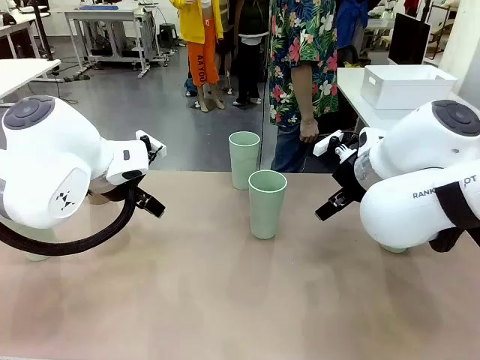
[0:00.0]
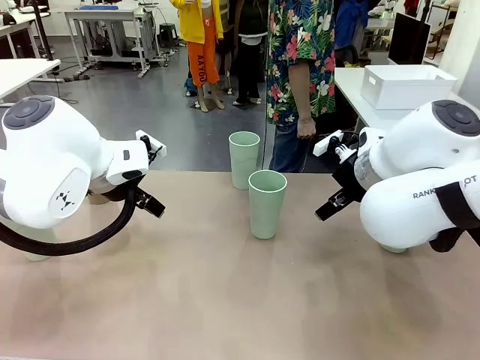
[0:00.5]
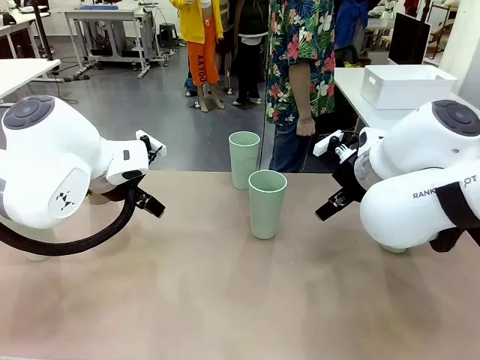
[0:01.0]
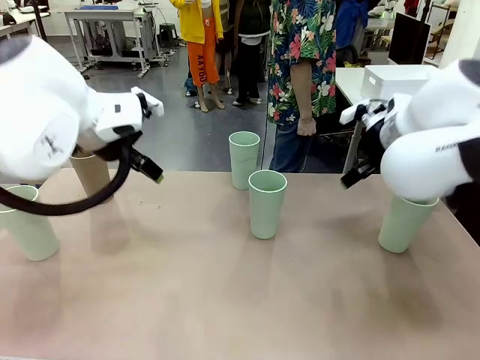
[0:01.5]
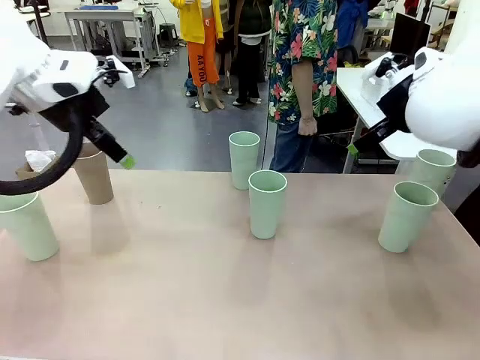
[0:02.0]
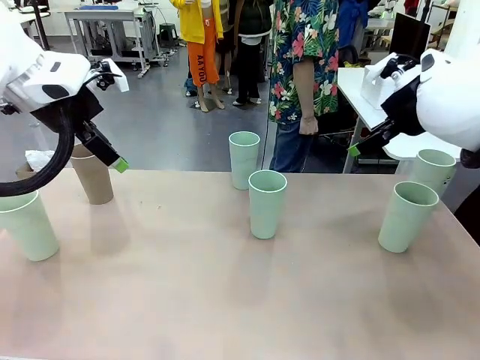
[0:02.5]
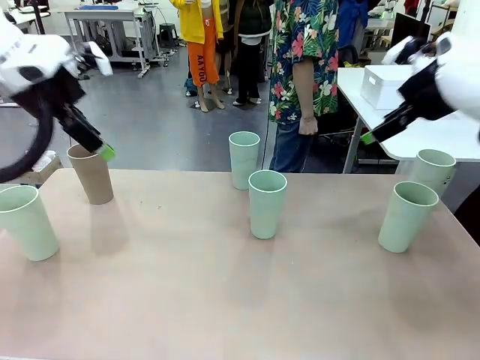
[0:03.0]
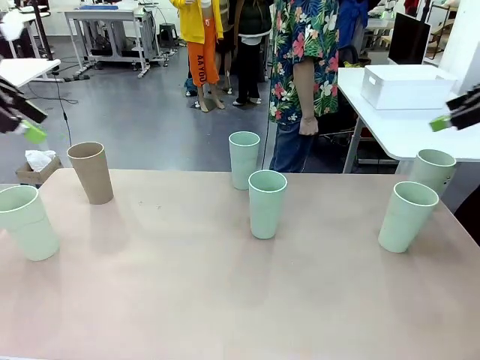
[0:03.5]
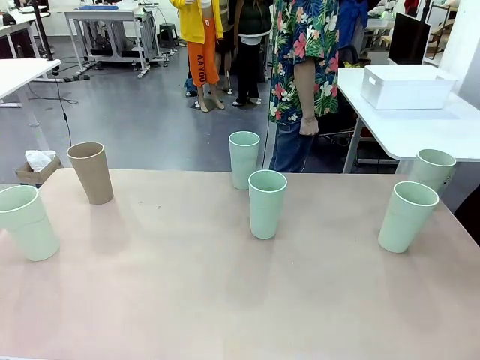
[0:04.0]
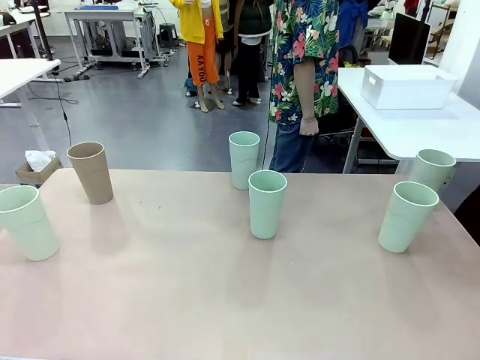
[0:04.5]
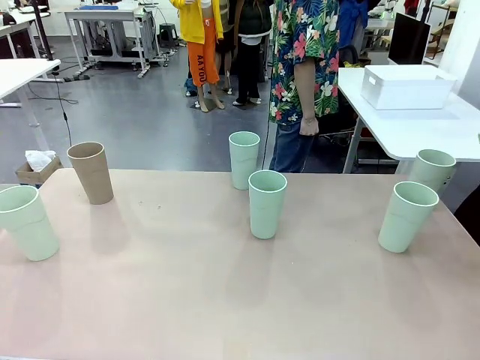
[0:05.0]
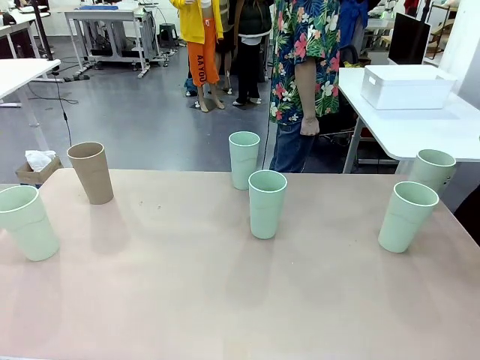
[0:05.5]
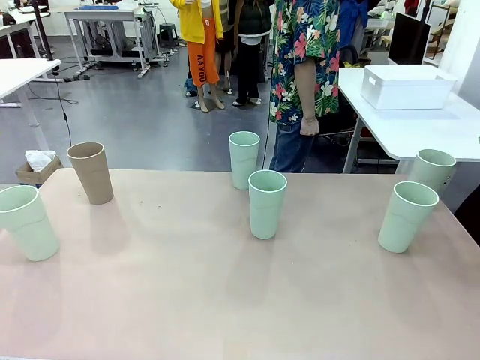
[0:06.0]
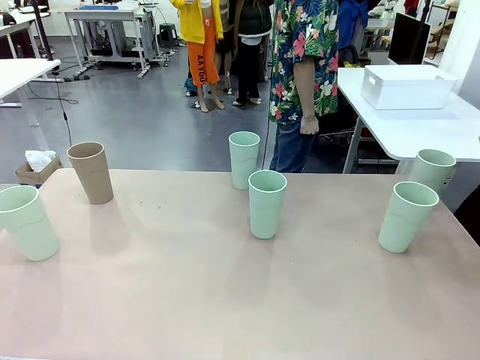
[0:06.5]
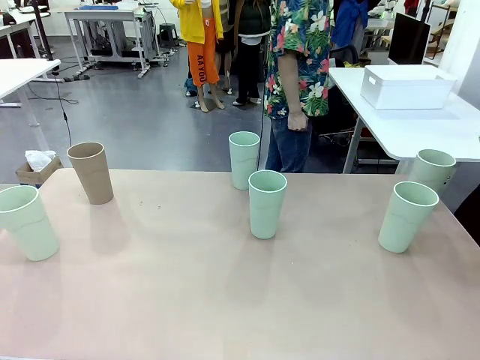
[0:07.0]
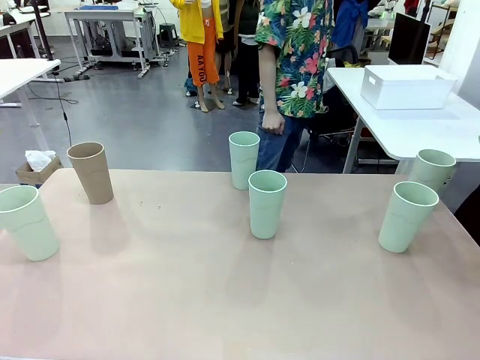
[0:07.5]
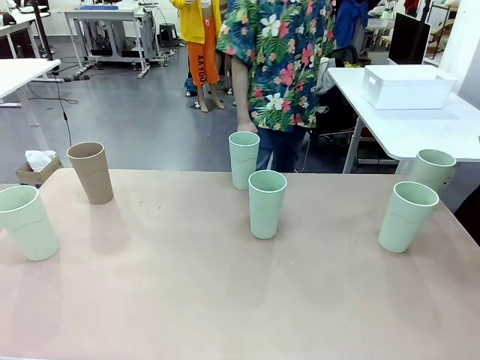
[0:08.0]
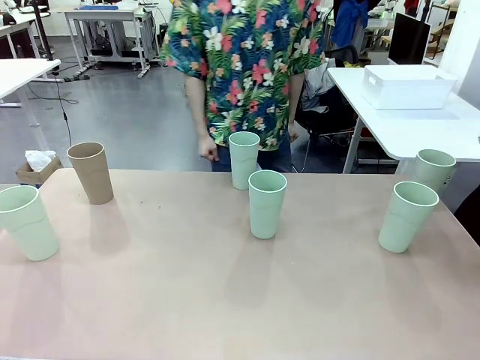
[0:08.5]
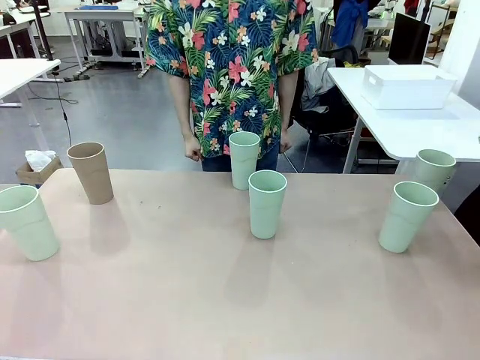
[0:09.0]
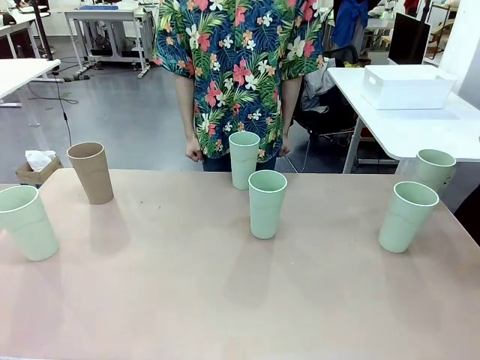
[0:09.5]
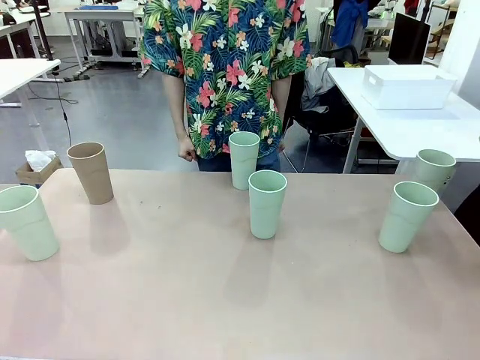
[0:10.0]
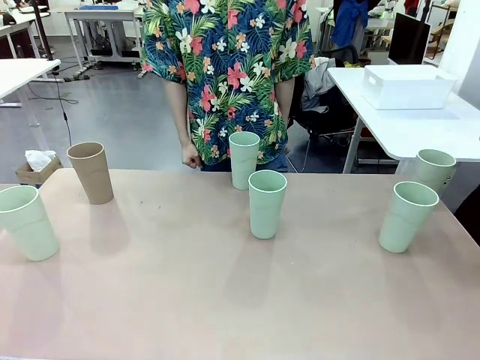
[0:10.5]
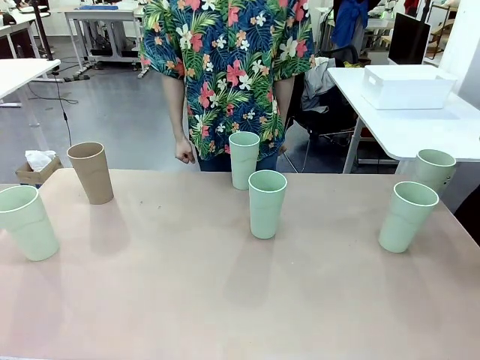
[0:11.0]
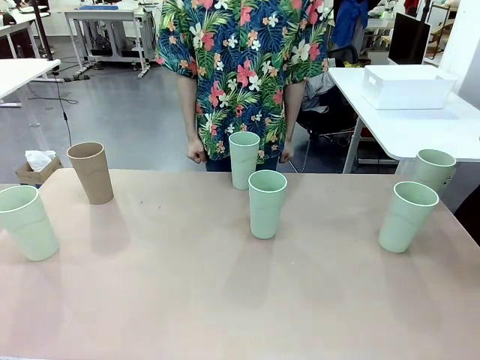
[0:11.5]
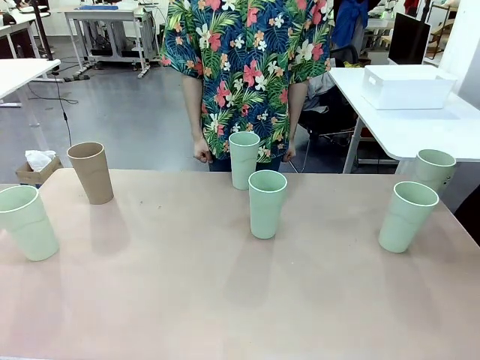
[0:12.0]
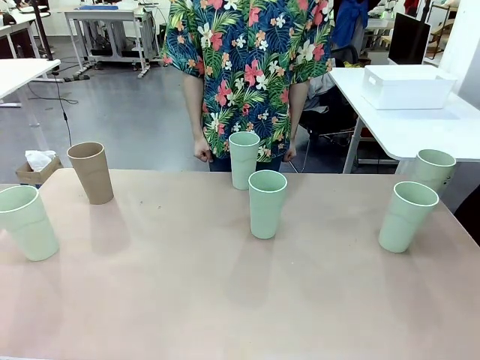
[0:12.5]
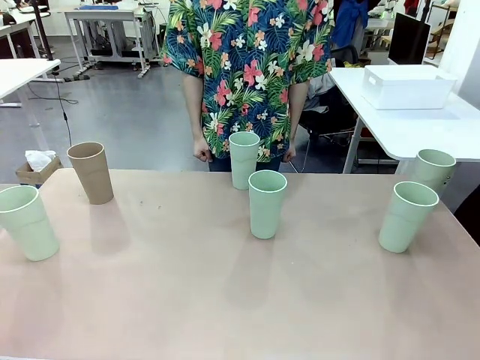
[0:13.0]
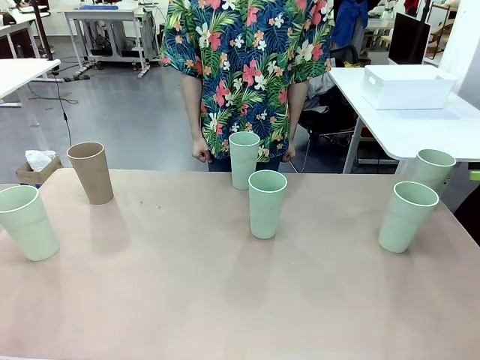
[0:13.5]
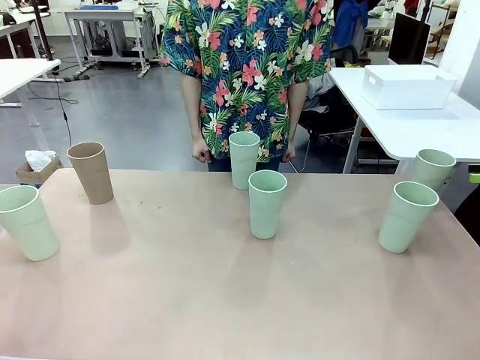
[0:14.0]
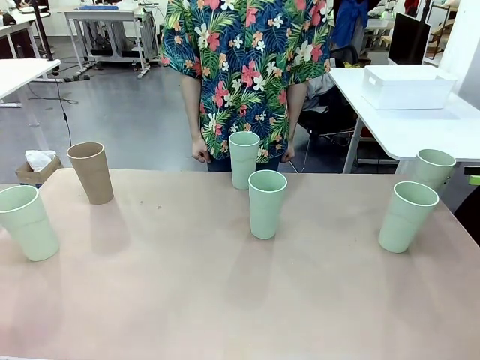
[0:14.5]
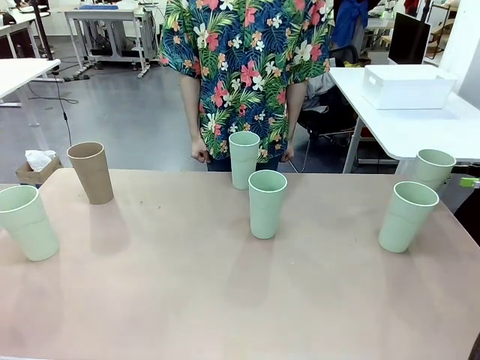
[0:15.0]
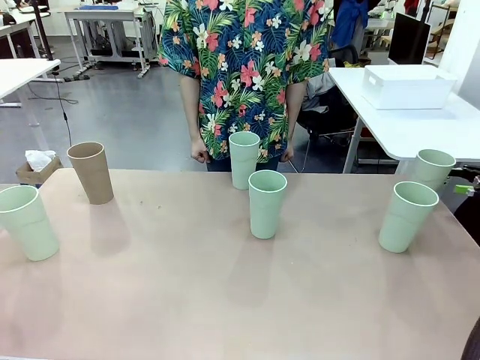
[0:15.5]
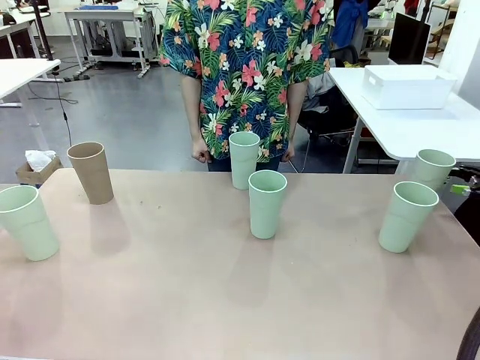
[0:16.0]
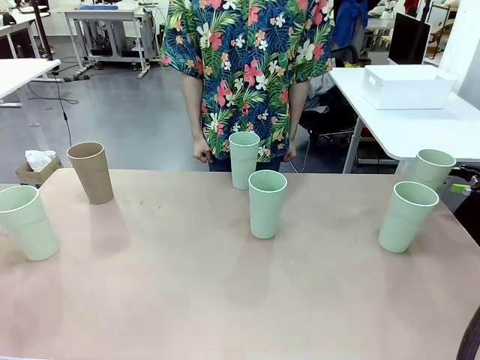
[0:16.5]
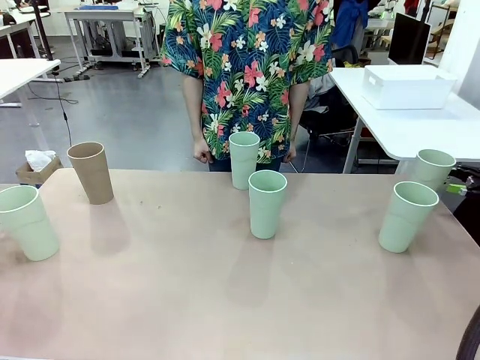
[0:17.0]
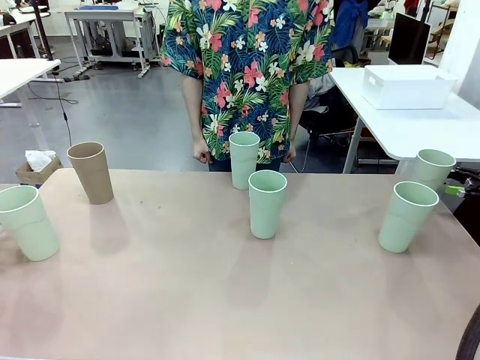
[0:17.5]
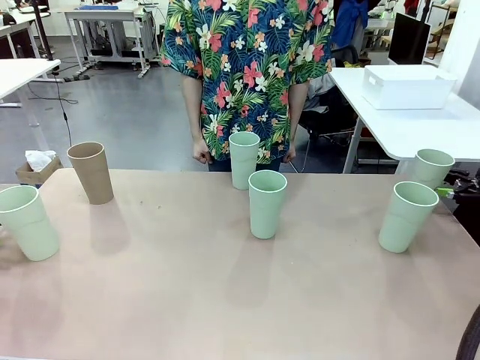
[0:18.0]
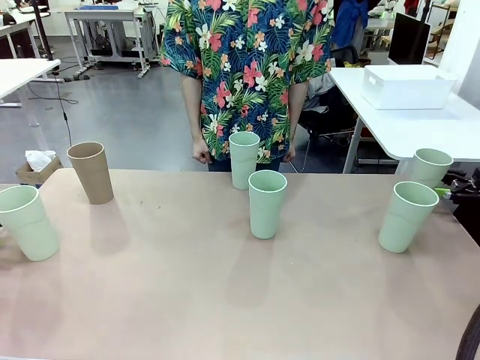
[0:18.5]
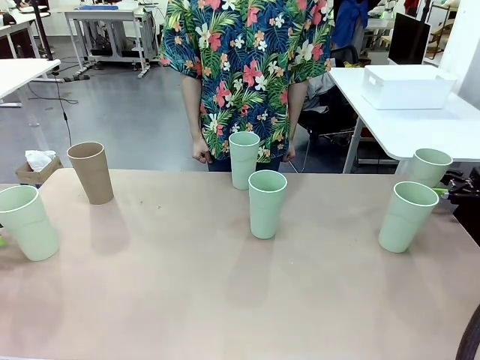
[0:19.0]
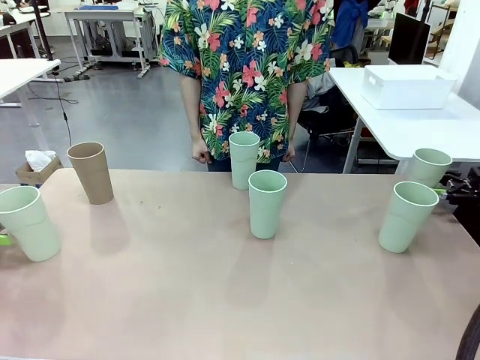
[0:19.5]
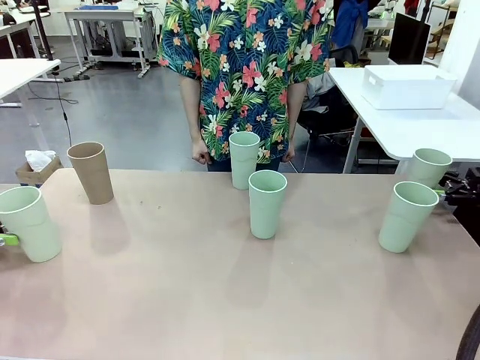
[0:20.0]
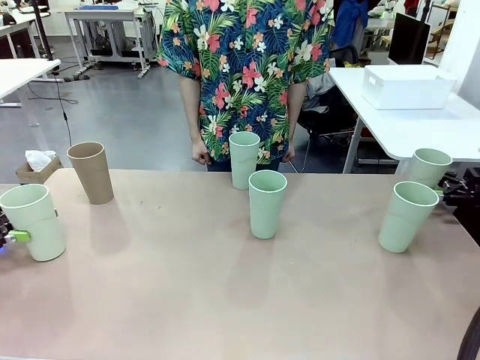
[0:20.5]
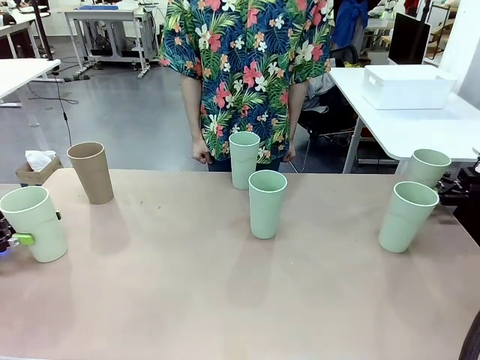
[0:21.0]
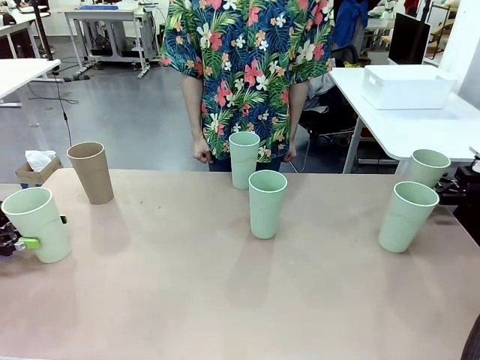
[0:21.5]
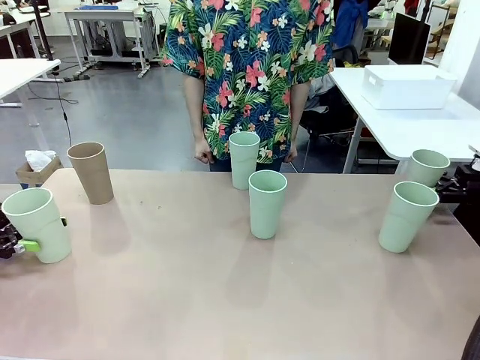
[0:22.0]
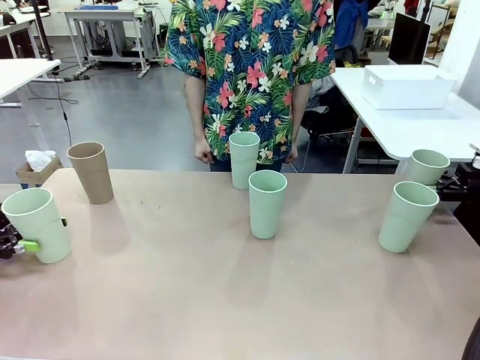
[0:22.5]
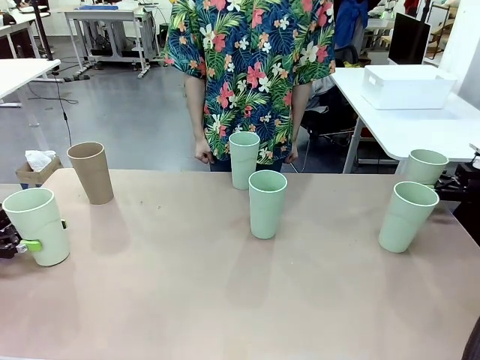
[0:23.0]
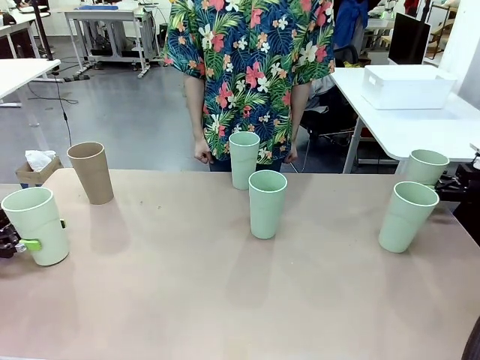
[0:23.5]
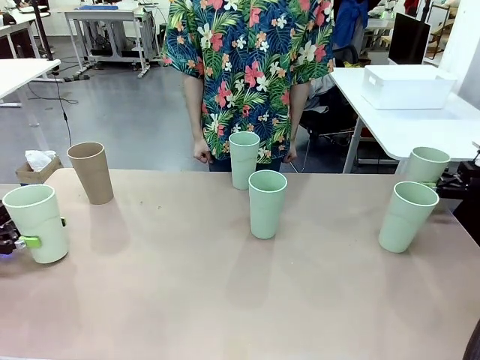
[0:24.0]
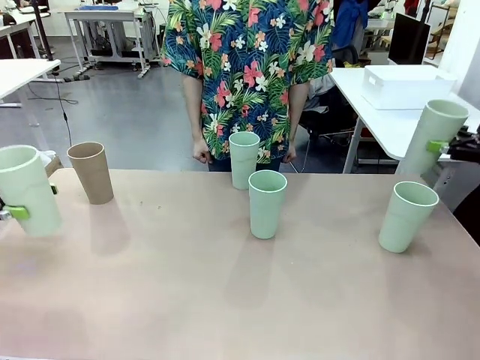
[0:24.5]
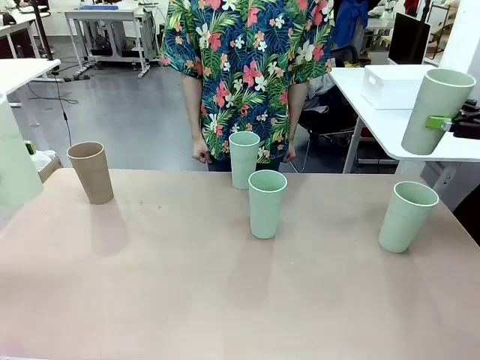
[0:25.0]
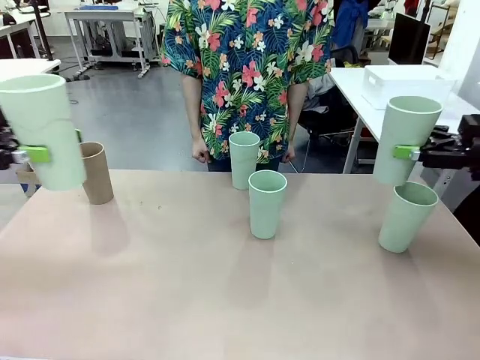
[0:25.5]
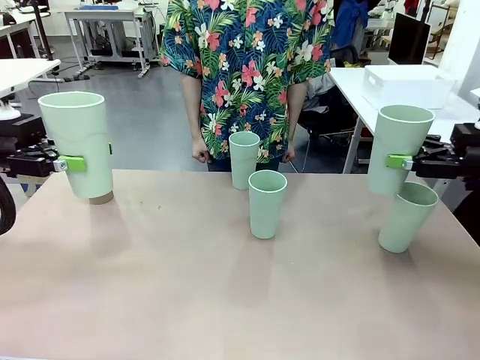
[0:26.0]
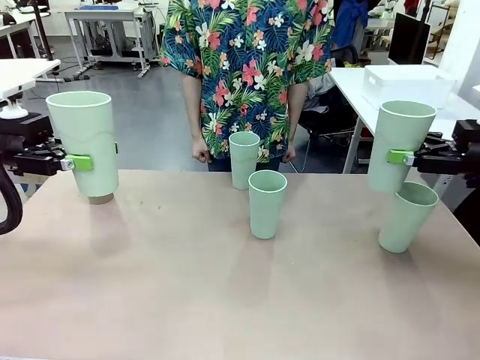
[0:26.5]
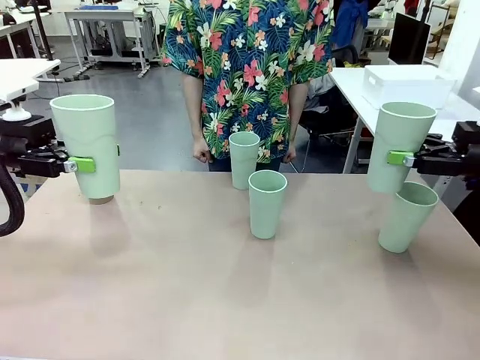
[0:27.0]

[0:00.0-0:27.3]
Task: Stack the cups and store them in the basket.
Robot: Pick up two Reusable plastic cups , one in each hand.
Person: Move from the Human Table to the front of the Robot Table. Stack two of the remaining cups on top of each cup held by the robot.
